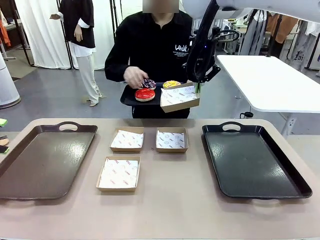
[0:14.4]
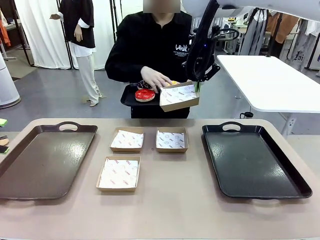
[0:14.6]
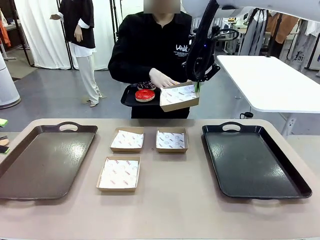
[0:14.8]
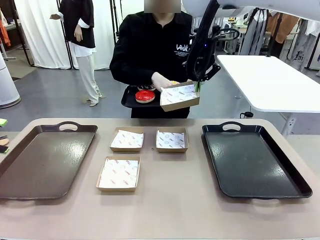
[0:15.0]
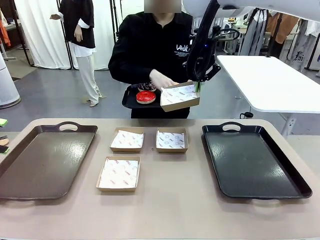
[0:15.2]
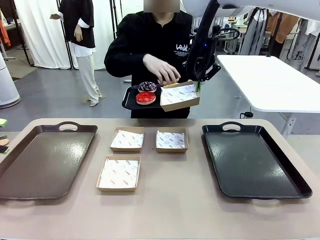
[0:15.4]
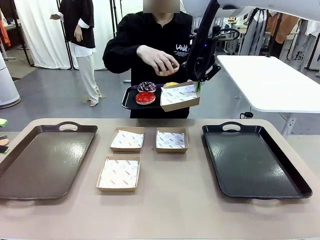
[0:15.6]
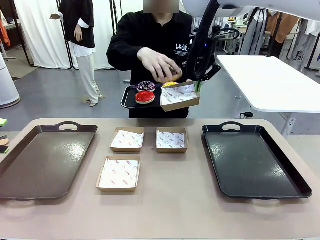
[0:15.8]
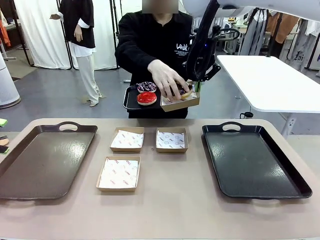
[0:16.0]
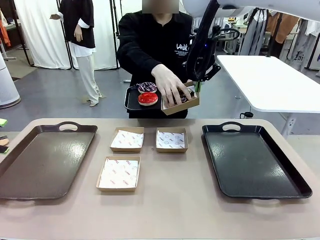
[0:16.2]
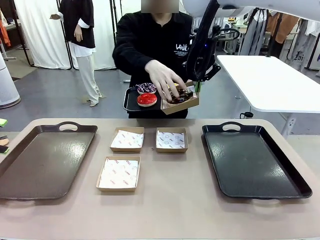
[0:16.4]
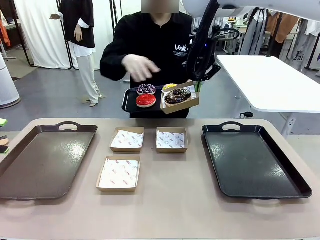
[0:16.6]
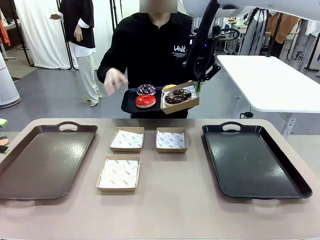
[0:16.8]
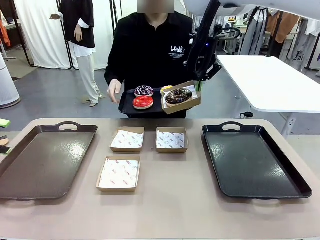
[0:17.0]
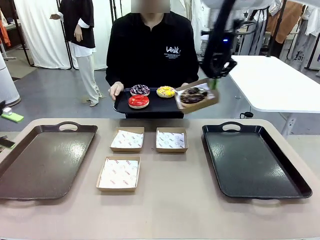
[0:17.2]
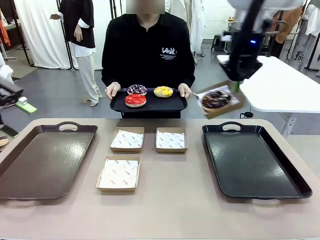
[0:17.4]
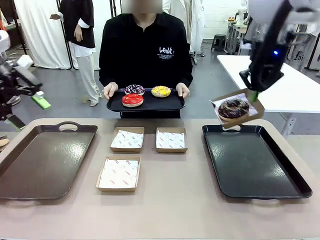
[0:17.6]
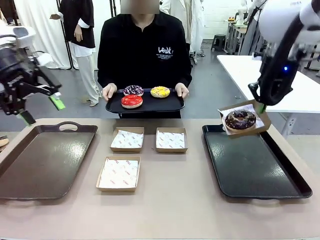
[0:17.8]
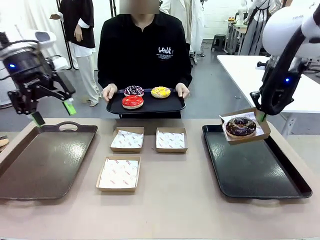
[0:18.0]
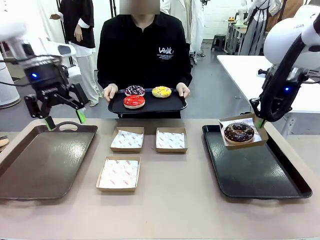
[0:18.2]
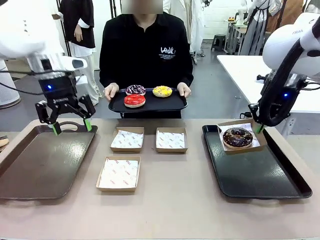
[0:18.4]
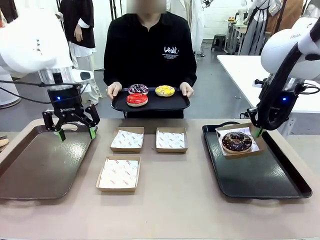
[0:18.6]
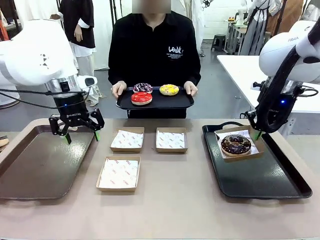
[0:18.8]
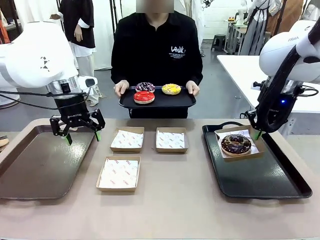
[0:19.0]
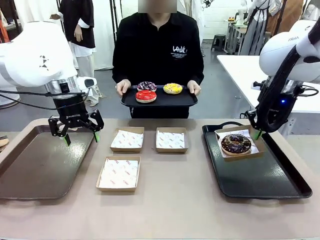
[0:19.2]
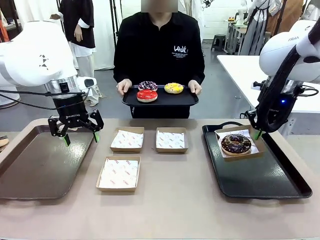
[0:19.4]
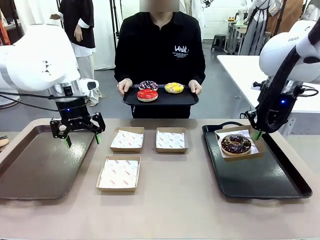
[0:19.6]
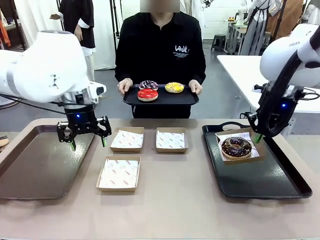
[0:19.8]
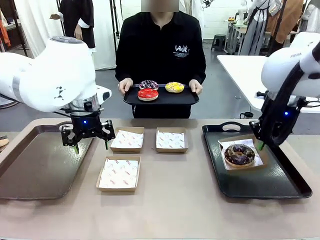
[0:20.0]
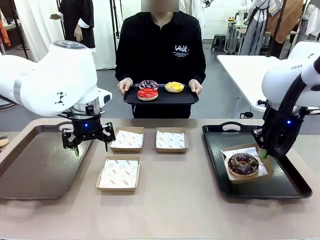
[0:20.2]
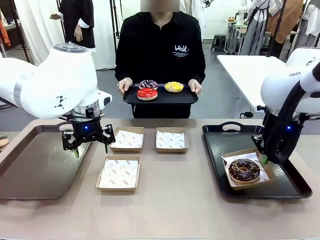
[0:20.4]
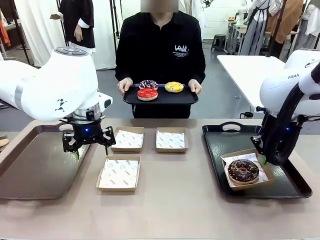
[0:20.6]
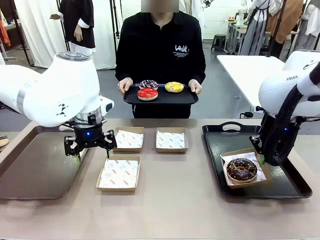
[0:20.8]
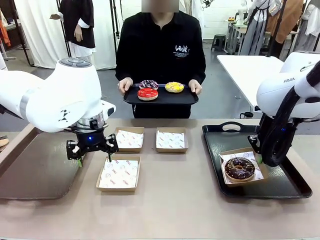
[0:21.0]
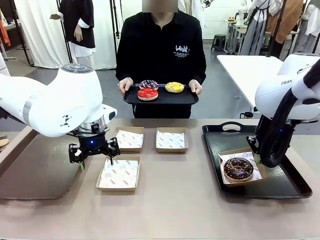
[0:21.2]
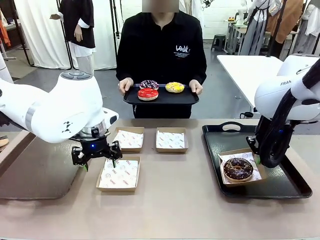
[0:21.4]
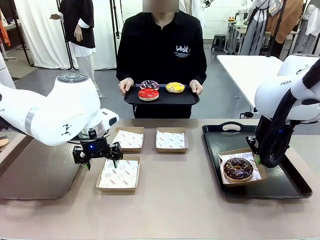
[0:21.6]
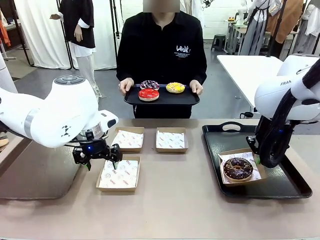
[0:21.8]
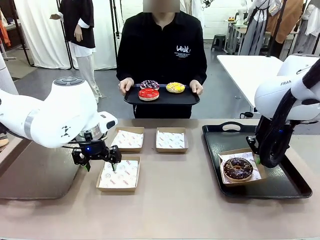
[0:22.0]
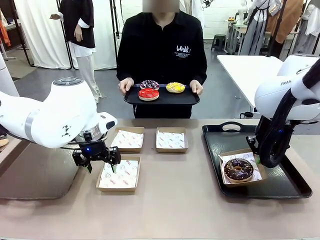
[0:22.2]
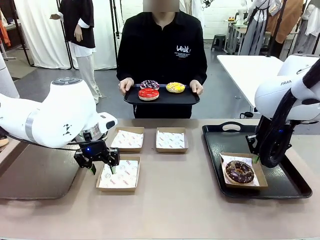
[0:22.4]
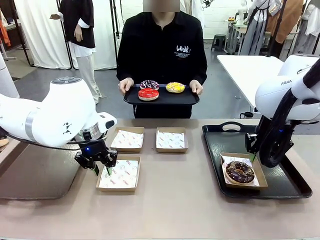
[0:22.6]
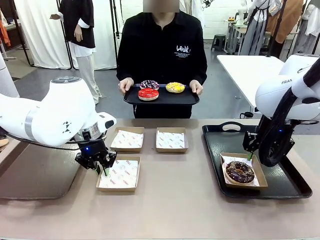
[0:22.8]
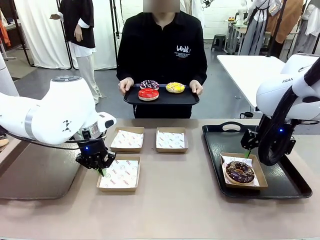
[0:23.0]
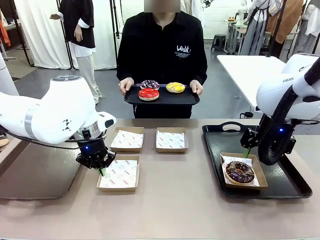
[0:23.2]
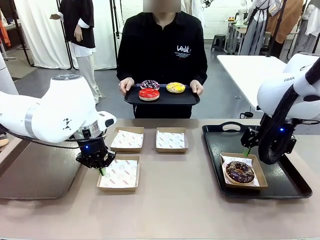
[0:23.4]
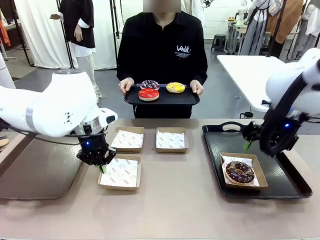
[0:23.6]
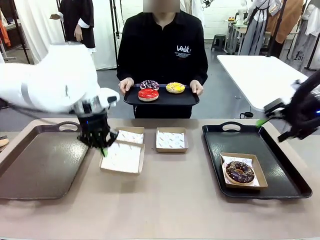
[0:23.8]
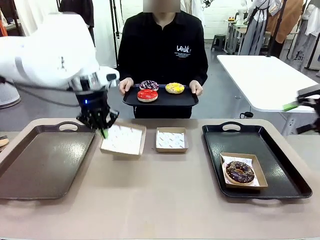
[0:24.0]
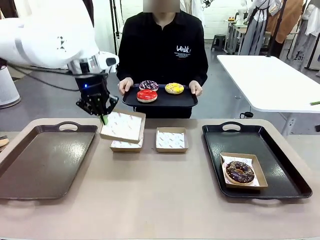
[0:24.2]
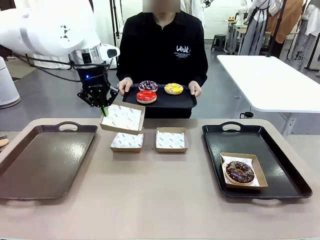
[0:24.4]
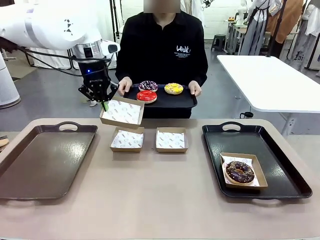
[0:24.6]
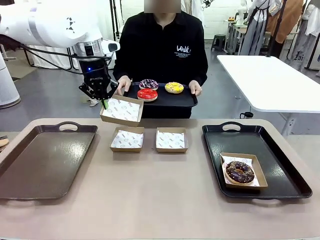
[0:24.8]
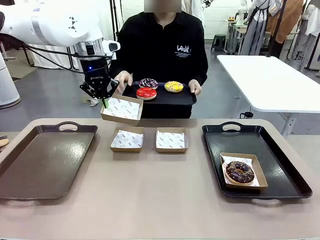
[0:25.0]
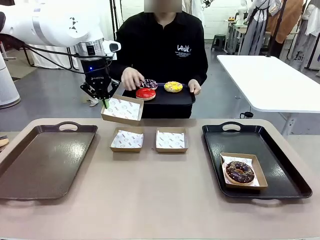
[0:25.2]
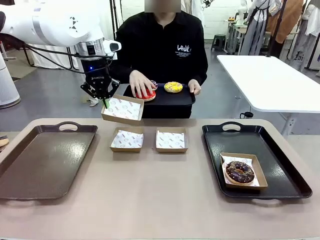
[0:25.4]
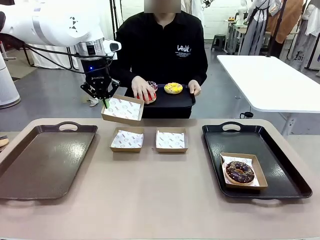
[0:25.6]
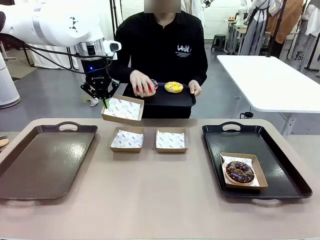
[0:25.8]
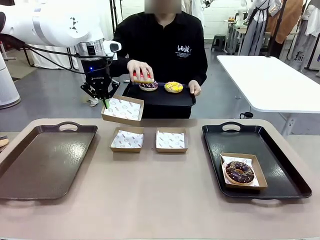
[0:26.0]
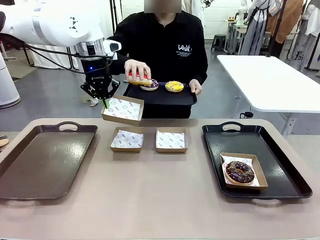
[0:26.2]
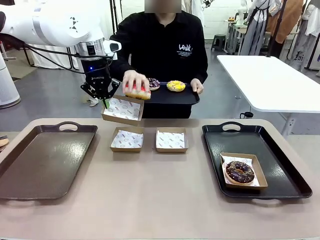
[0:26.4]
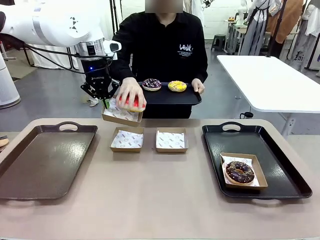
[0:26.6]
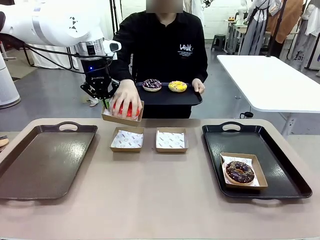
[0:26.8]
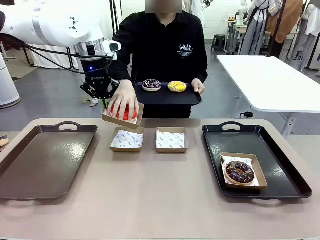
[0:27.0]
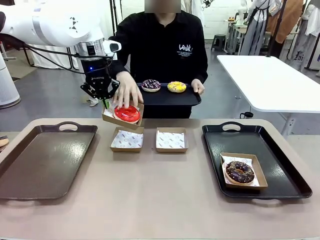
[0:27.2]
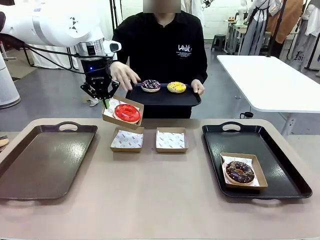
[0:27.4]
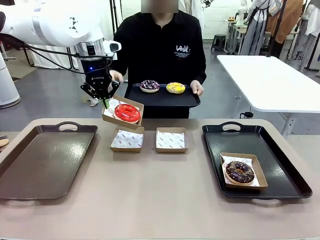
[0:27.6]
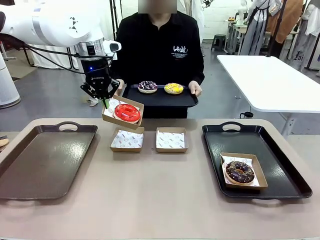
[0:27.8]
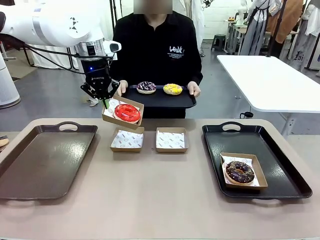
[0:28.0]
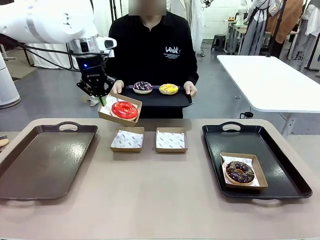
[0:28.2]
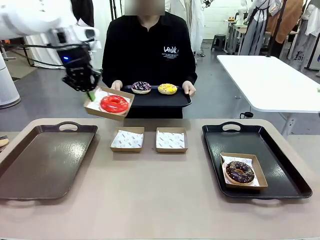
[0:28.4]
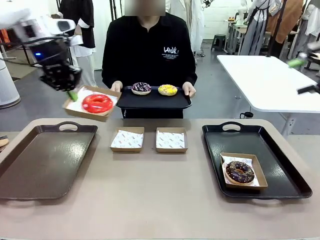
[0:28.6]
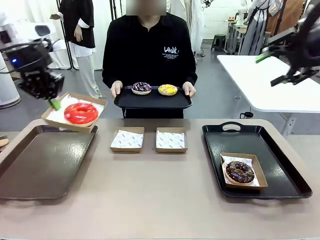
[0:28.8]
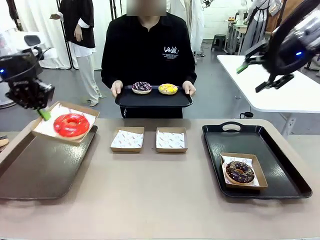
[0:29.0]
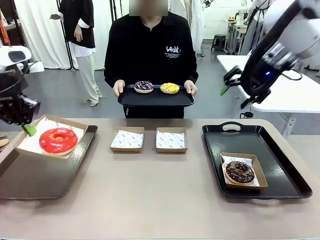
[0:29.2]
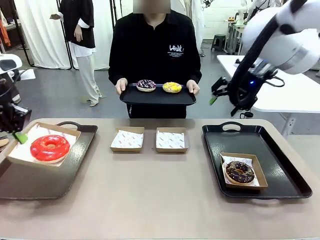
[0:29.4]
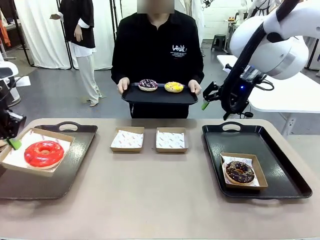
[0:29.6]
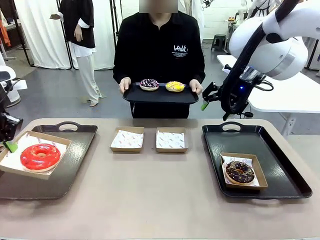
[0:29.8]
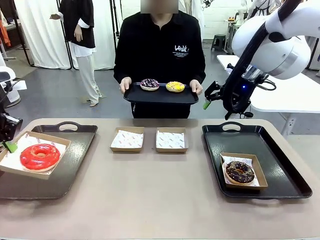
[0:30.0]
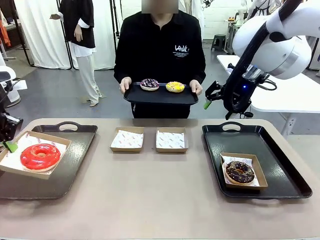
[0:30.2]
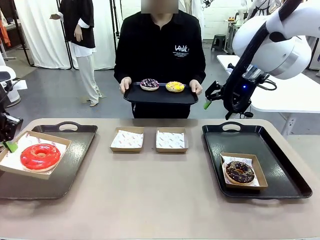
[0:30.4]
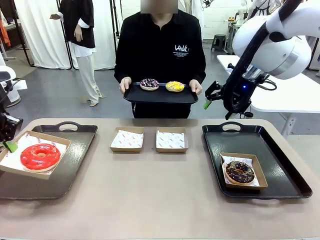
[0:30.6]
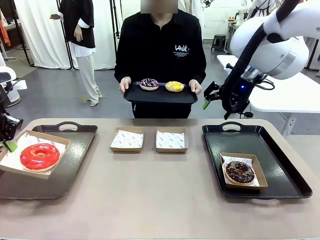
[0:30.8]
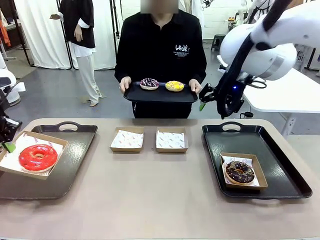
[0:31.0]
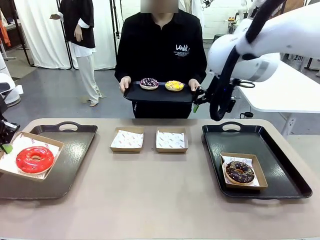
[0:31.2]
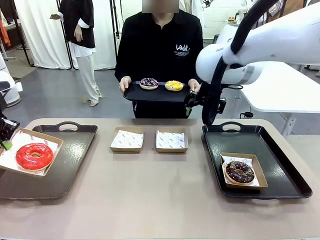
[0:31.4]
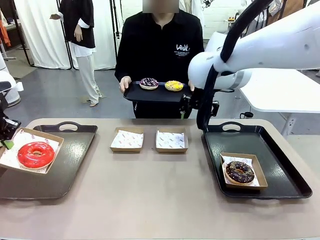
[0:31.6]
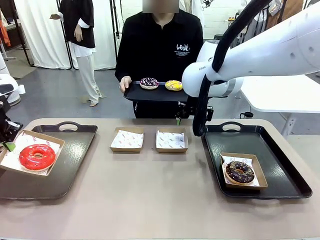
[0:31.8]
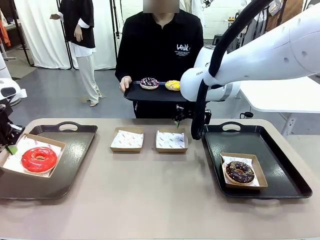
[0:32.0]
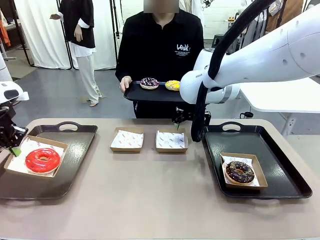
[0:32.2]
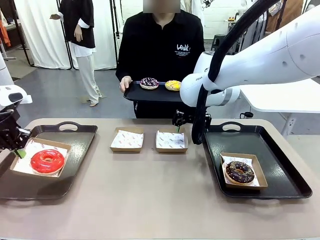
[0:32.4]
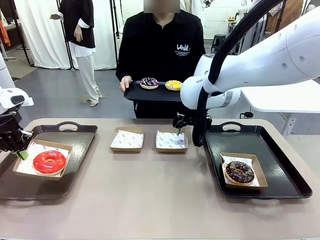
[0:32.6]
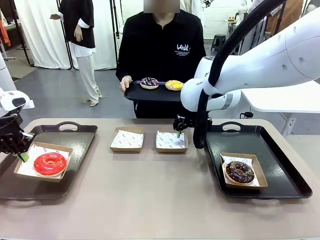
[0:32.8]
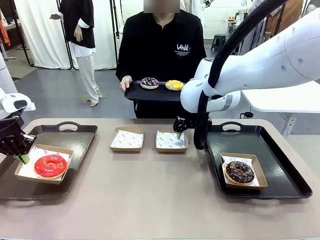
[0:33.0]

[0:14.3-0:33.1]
Task: Individually package the donuts and arrange them on the tray.
Robot: Place the picked Paper togo box on the Handle tray while simultaneously picking up another Paper togo box from the table with the other hand.
